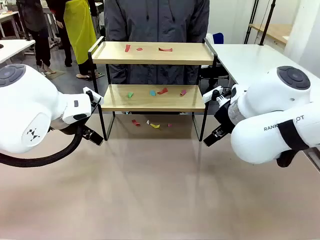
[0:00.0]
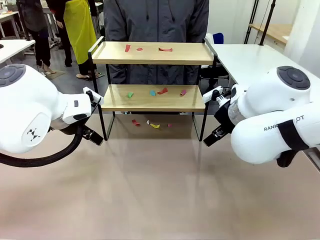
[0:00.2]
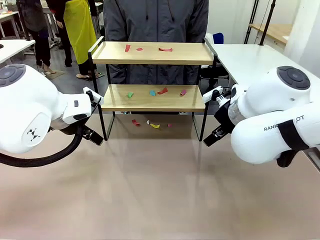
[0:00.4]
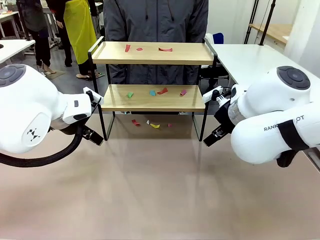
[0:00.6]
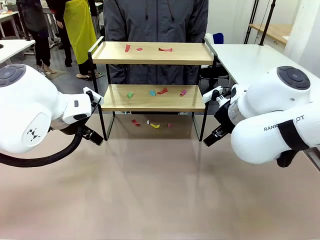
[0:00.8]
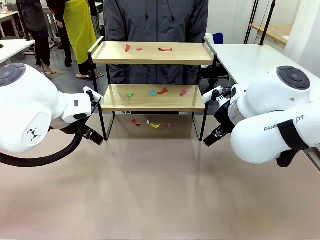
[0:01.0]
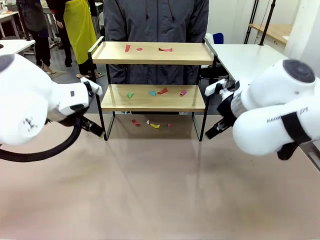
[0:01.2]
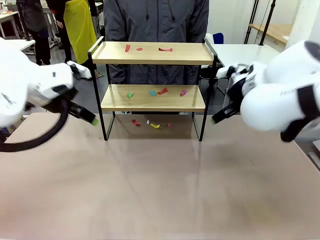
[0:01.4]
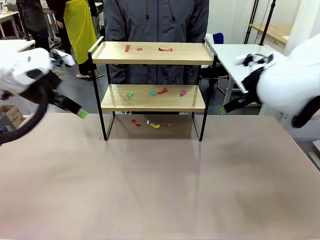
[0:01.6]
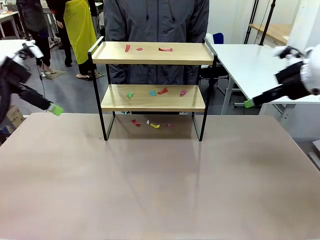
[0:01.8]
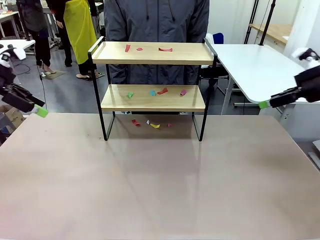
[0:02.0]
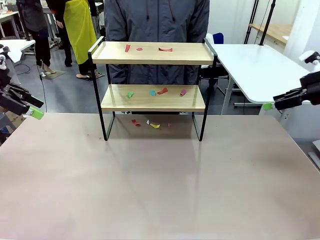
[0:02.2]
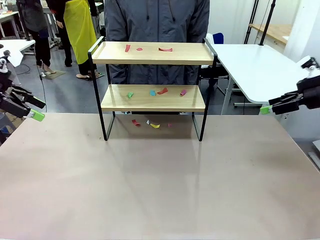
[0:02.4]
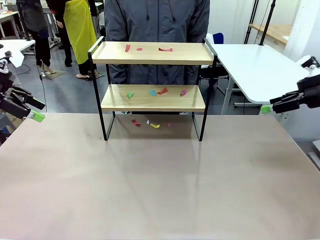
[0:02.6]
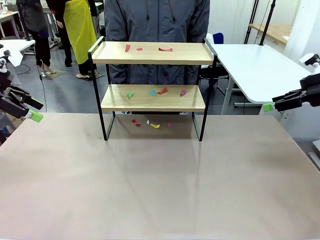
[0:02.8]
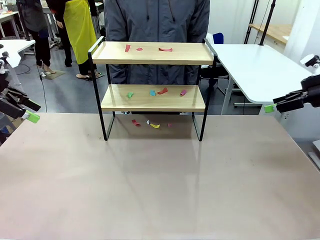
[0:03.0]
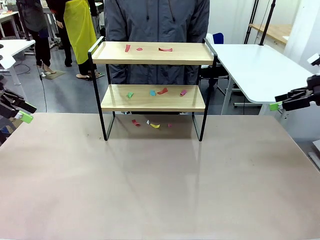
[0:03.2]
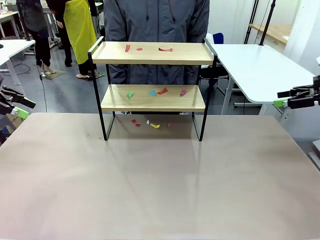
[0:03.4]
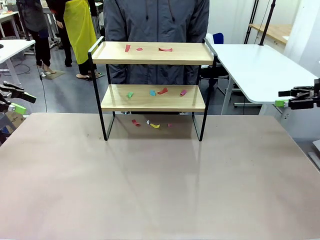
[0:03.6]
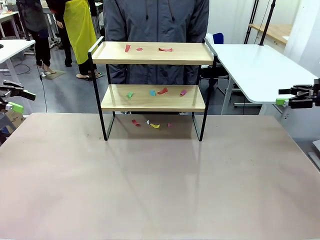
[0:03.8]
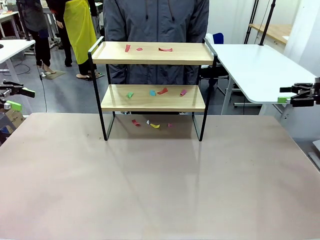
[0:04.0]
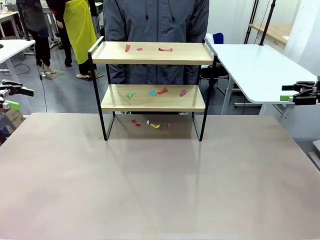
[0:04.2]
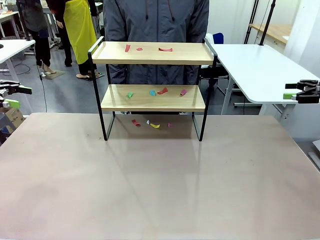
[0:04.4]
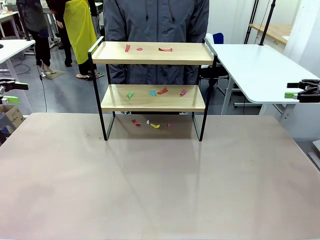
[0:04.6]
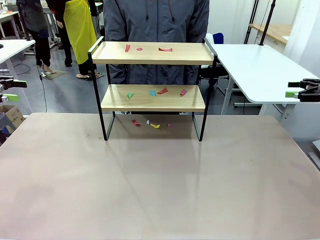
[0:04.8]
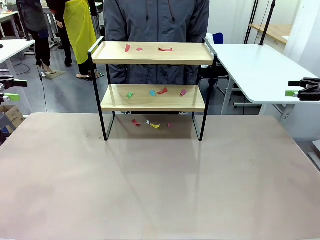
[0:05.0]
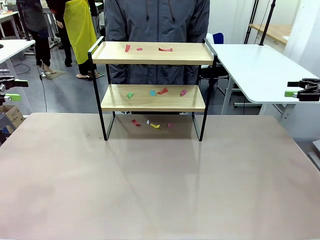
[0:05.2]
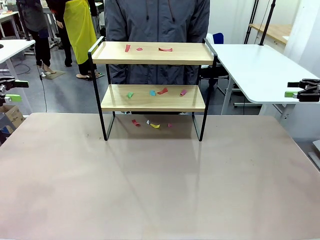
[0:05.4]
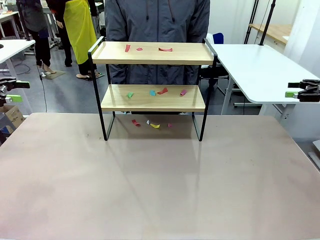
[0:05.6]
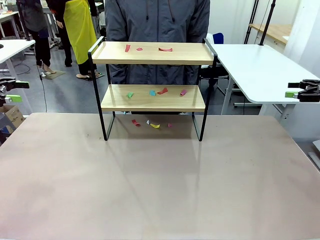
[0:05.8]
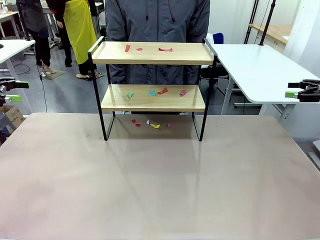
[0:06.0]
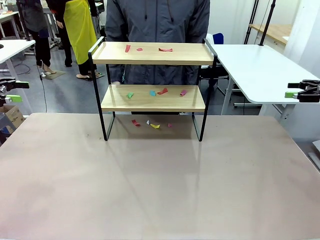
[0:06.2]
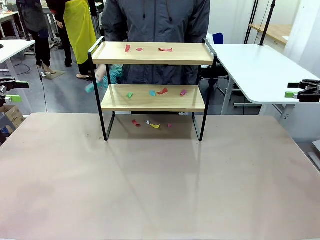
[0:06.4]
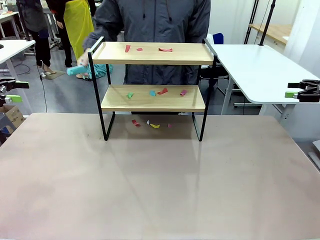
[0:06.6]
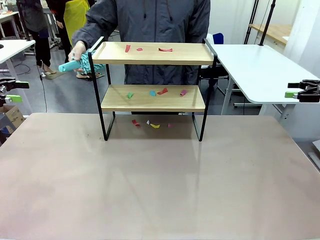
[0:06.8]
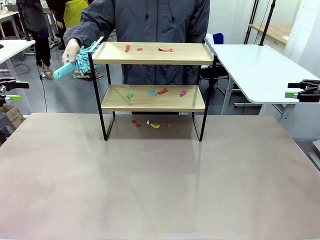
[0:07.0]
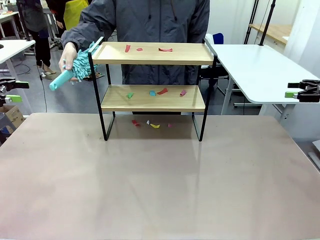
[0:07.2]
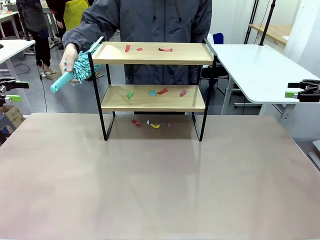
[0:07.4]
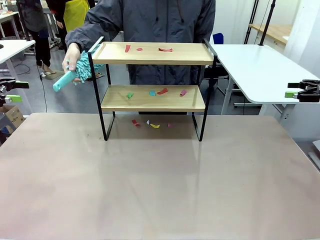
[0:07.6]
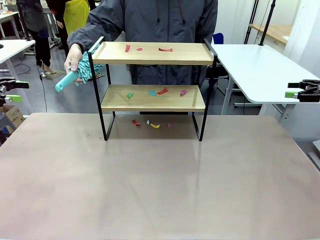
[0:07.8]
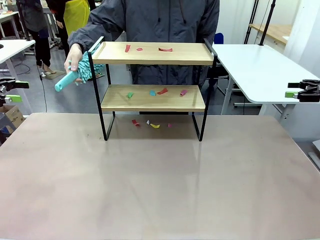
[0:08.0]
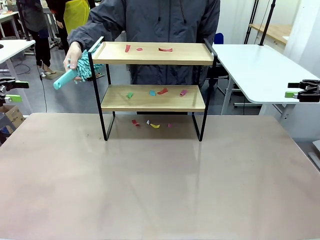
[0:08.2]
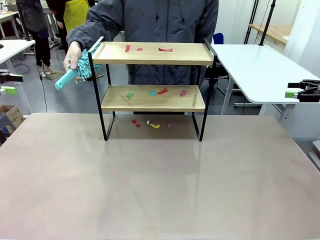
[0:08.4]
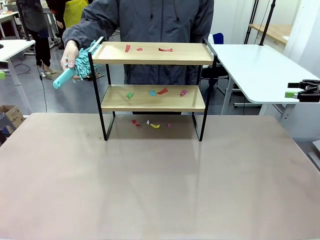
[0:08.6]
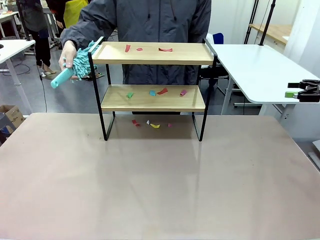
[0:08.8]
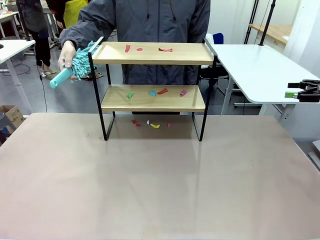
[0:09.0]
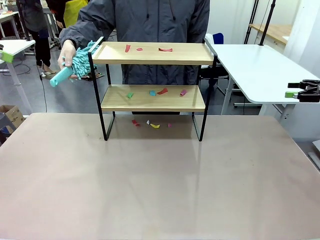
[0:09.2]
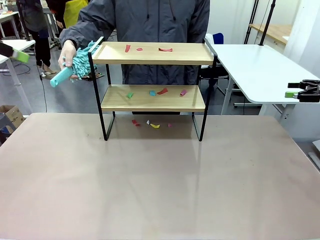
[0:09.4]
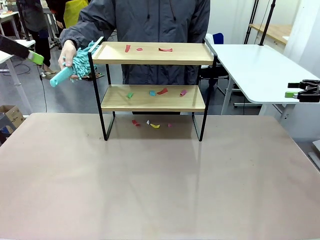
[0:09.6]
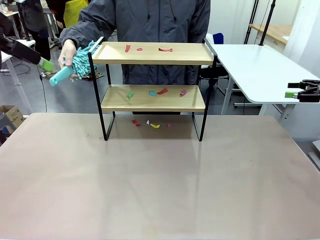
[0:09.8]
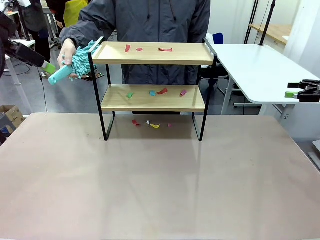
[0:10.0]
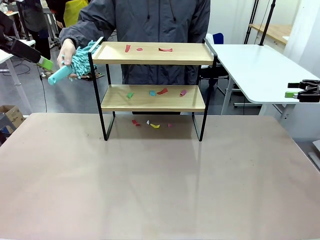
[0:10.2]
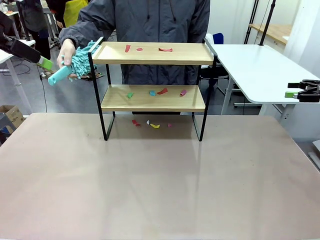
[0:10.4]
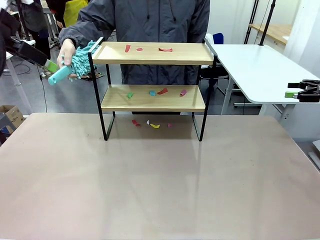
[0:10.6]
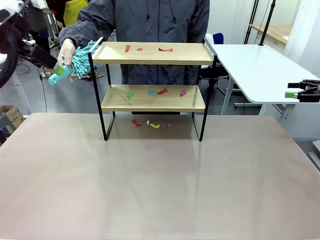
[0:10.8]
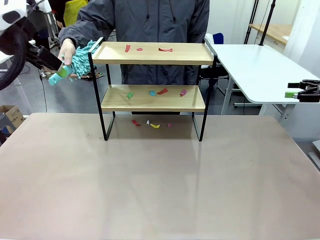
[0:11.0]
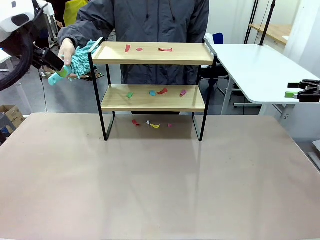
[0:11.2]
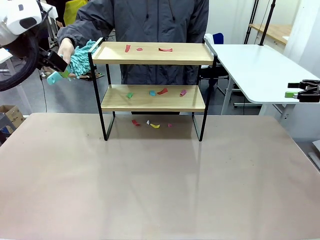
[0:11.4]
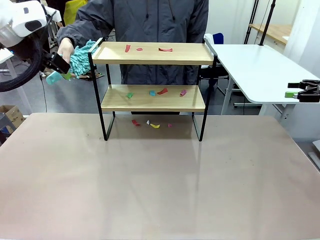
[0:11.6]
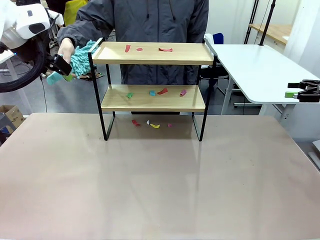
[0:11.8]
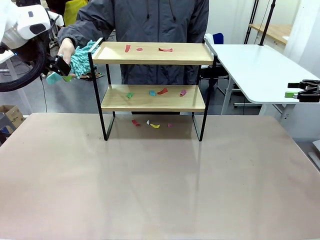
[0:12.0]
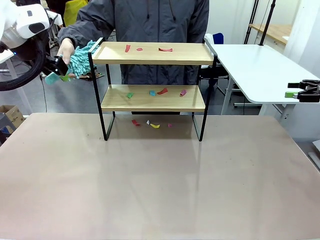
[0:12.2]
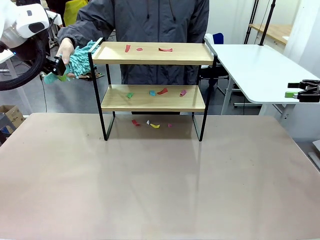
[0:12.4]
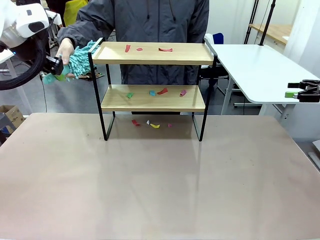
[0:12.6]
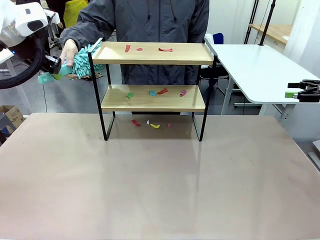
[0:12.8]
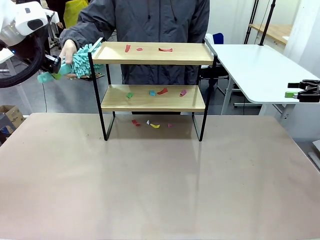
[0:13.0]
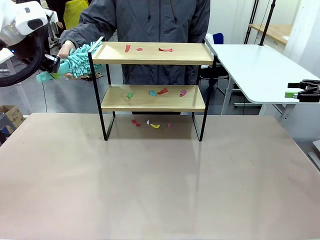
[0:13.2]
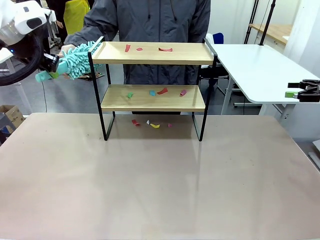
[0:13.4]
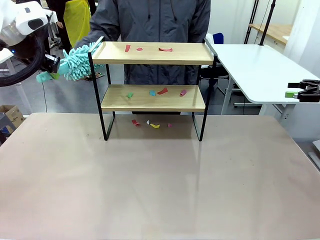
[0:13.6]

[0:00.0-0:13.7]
Task: Clean the shelf.
Robot: Pick up the Duster handed by the human.
Person: Hand the Duster to the robot.

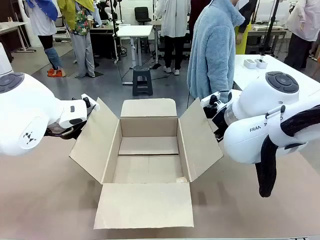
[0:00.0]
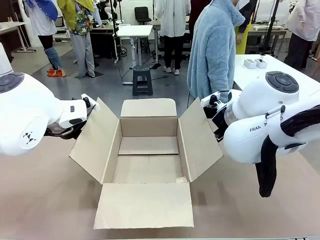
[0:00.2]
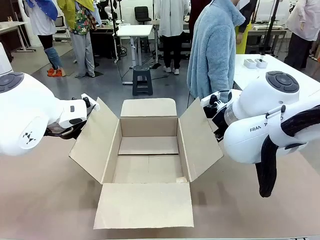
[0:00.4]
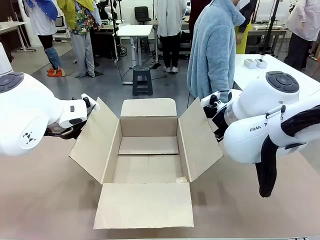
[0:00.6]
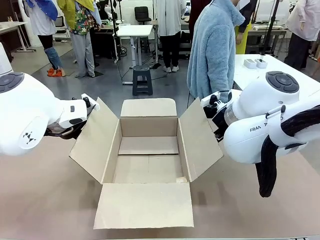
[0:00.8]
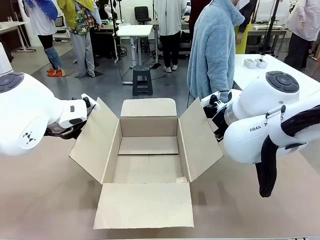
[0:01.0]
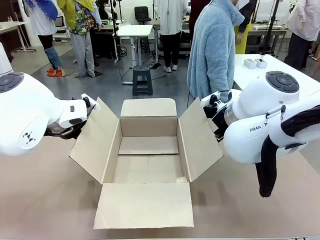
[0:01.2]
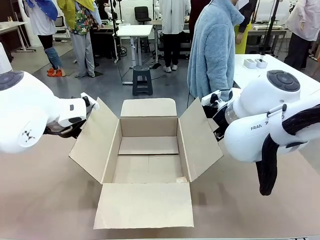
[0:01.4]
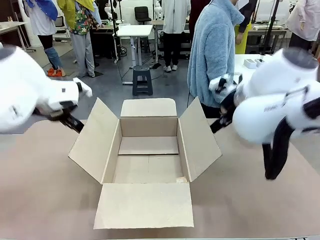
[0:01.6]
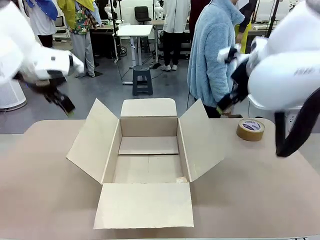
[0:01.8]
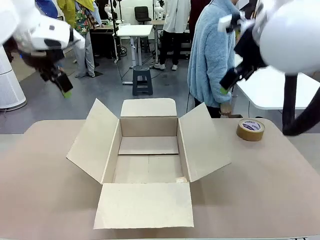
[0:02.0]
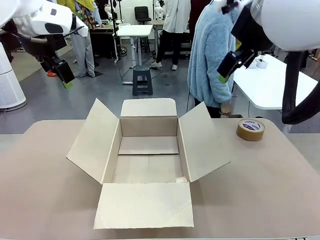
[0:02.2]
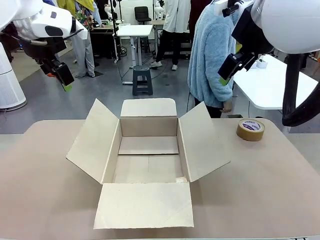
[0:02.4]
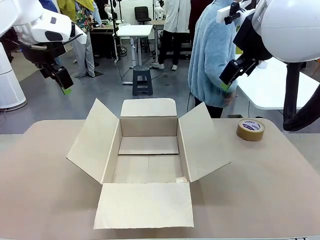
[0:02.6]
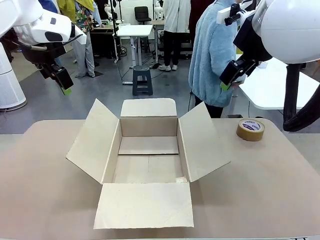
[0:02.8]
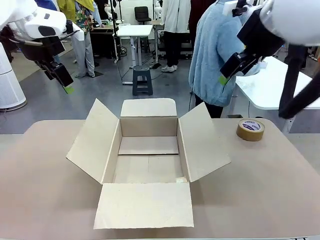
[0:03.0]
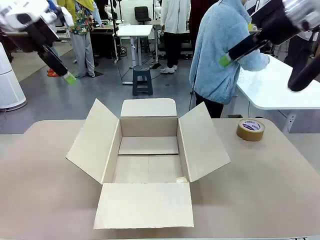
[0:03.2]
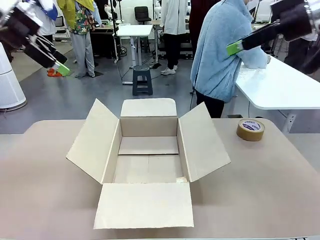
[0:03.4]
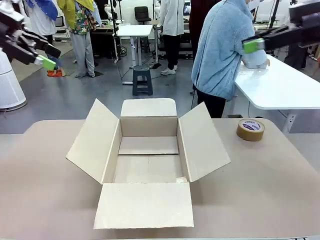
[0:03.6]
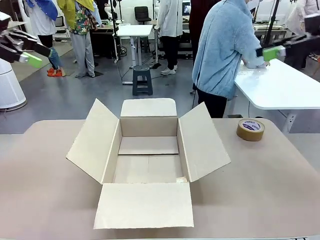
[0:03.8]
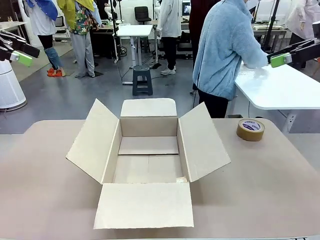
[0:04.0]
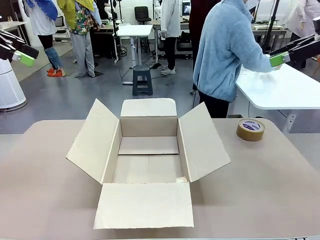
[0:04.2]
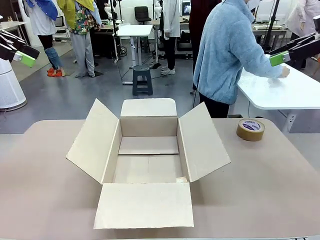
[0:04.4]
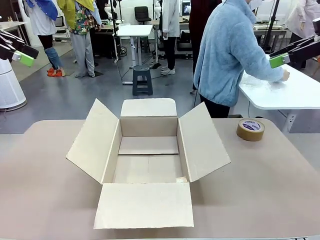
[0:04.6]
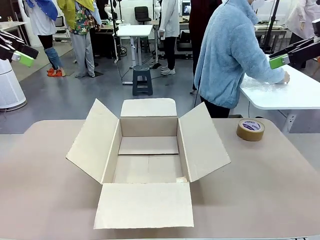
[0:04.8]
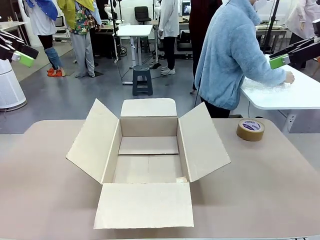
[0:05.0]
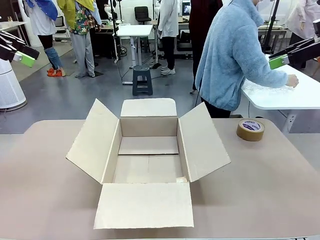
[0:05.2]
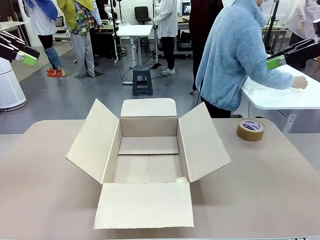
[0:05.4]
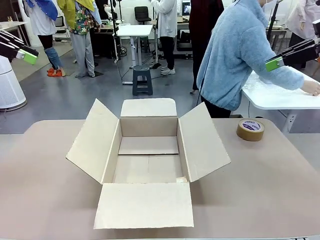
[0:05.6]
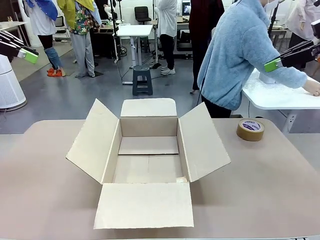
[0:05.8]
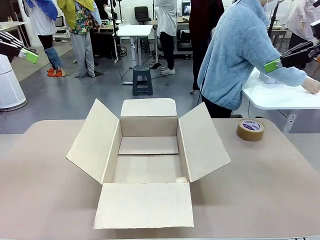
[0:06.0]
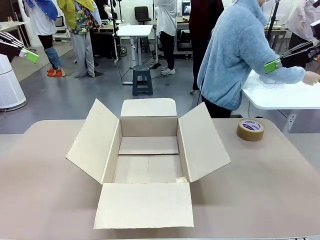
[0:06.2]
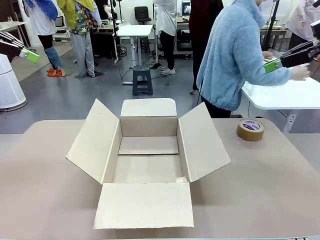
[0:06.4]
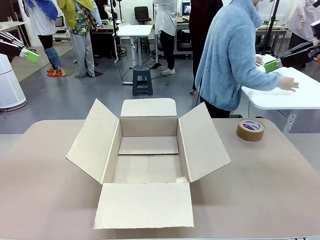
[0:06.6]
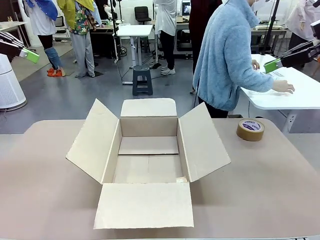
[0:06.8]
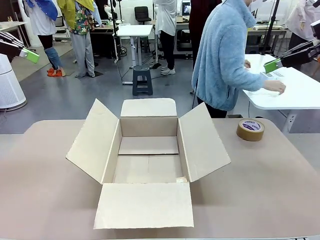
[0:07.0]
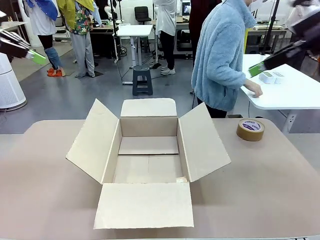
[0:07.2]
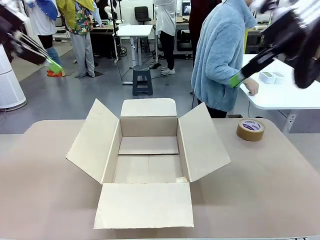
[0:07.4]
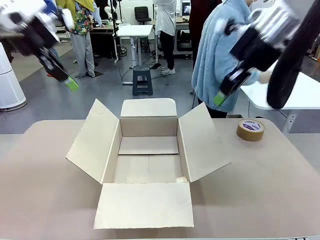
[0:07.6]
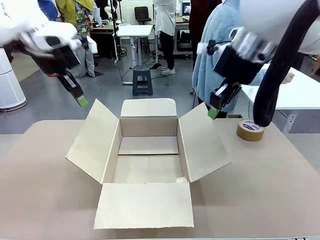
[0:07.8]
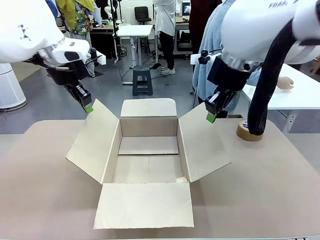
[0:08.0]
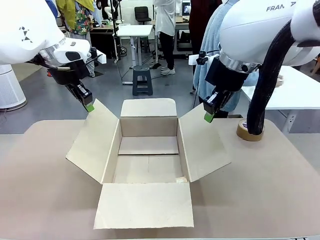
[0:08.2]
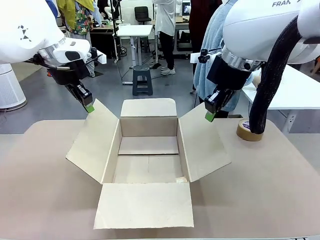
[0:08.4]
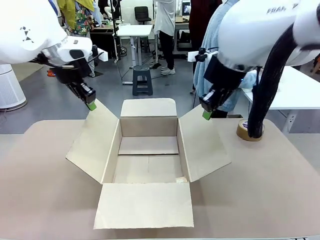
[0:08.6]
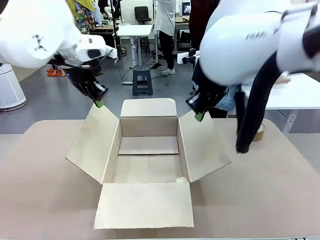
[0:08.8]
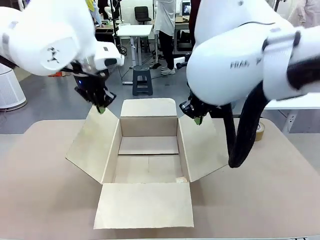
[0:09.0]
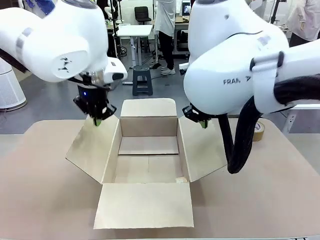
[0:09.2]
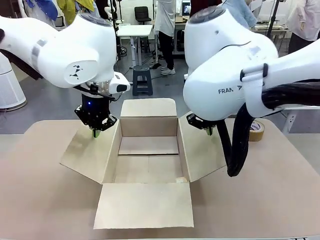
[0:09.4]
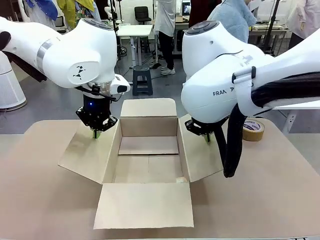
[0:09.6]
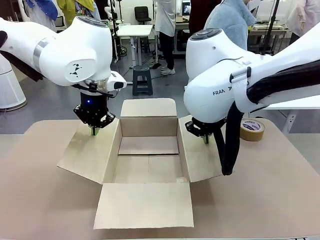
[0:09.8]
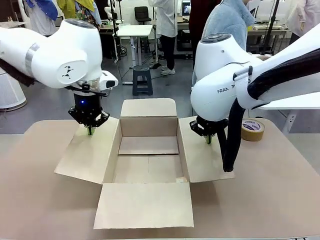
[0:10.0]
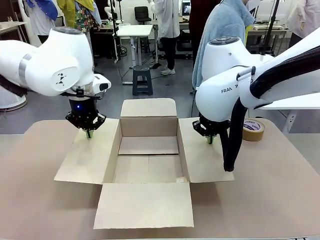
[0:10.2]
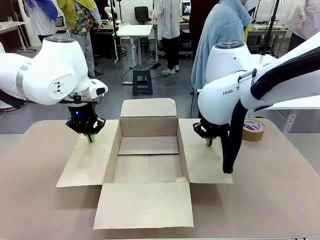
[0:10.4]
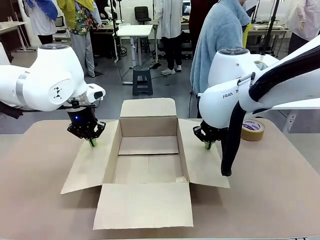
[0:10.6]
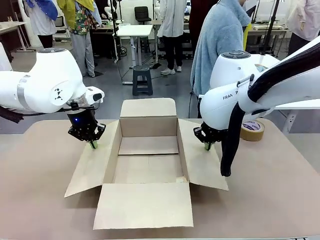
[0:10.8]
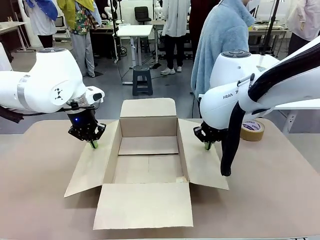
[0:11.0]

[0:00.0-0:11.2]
Task: Wrap the clocks to prevent damage.
Robot: Open the side flaps of the Package Box.
Person: Wrap the two Digital clocks with Bubble Wrap.
